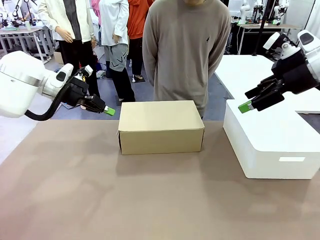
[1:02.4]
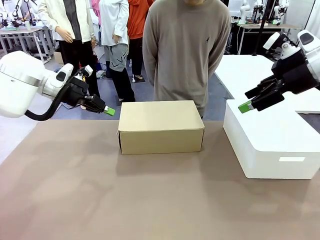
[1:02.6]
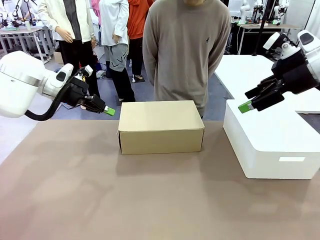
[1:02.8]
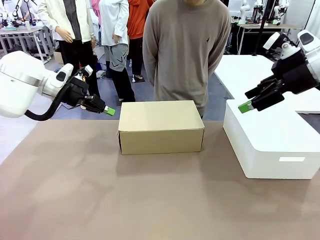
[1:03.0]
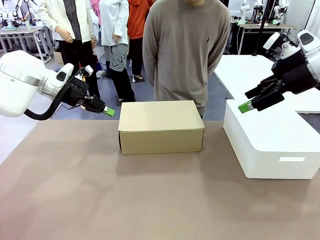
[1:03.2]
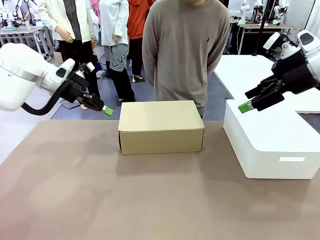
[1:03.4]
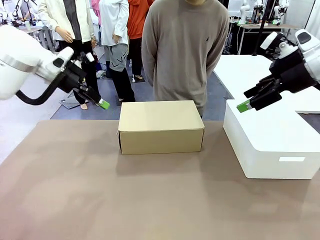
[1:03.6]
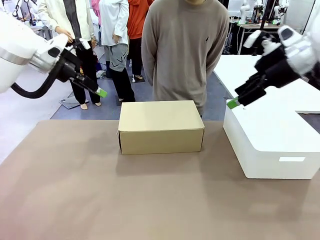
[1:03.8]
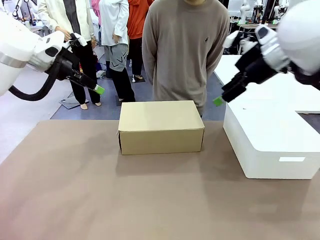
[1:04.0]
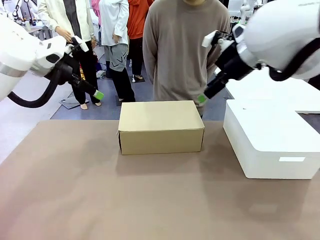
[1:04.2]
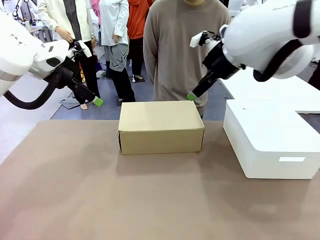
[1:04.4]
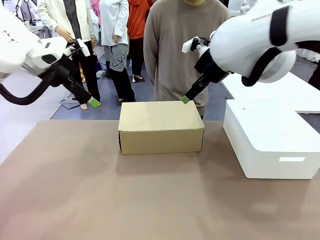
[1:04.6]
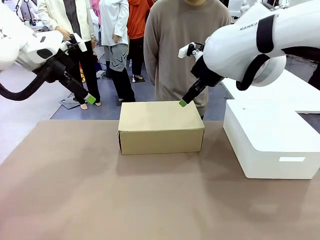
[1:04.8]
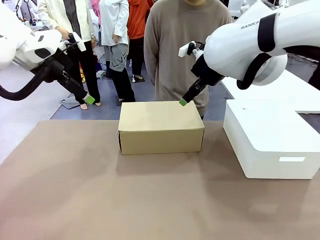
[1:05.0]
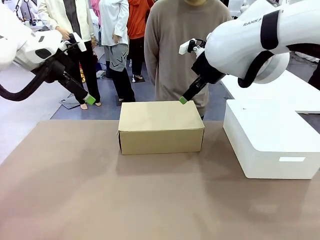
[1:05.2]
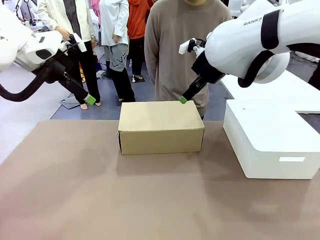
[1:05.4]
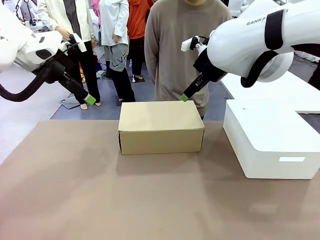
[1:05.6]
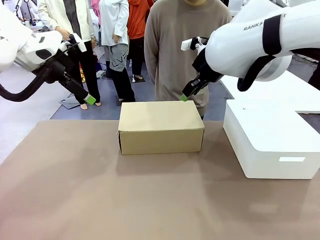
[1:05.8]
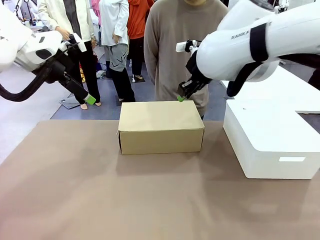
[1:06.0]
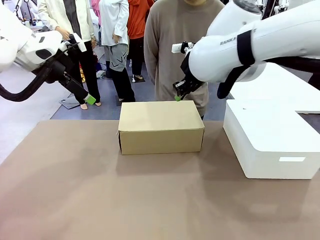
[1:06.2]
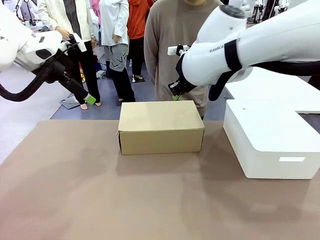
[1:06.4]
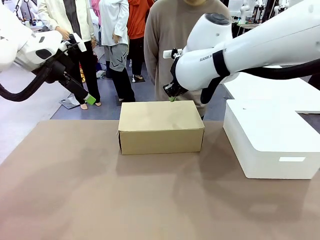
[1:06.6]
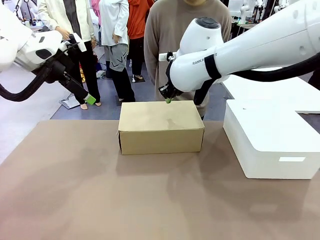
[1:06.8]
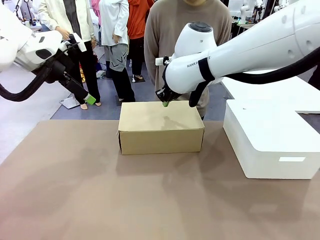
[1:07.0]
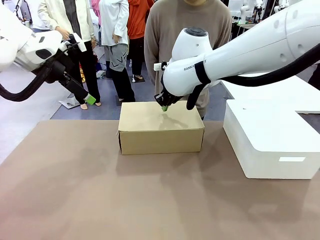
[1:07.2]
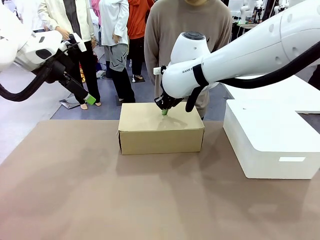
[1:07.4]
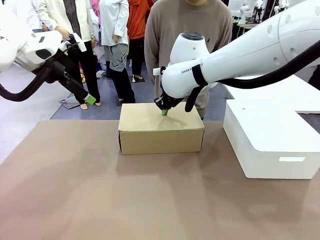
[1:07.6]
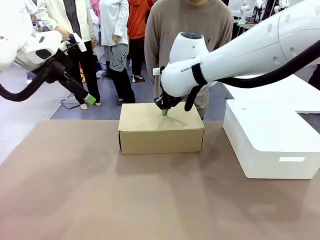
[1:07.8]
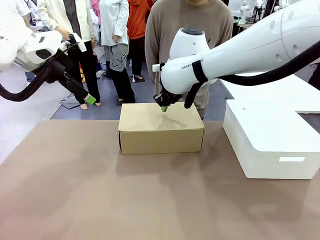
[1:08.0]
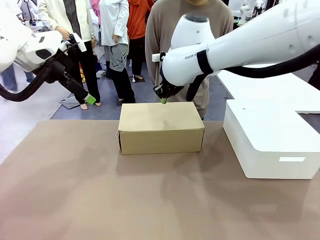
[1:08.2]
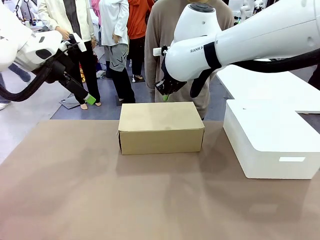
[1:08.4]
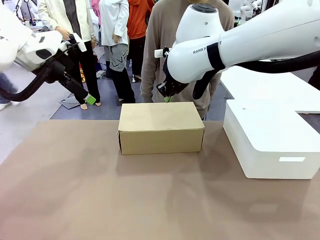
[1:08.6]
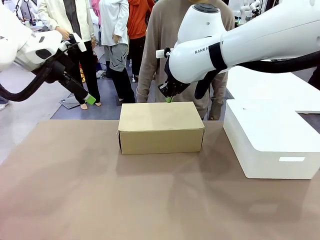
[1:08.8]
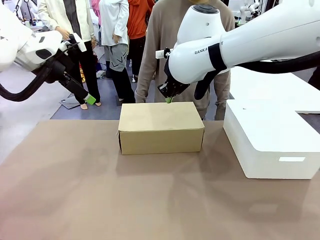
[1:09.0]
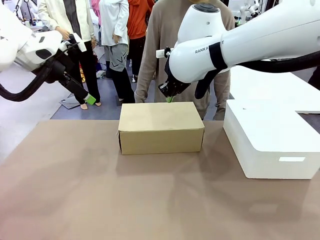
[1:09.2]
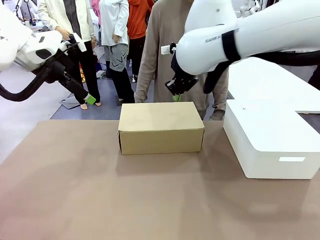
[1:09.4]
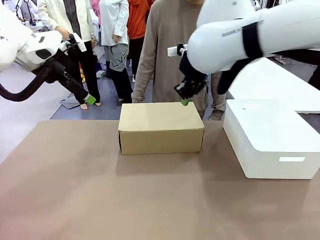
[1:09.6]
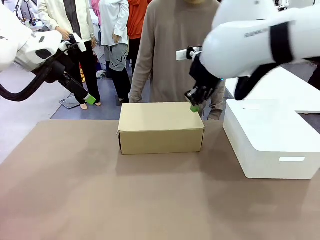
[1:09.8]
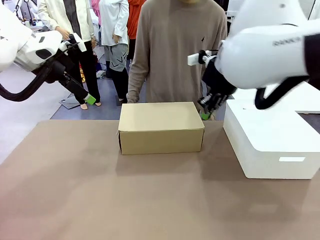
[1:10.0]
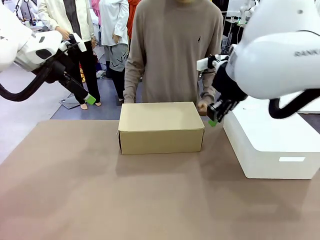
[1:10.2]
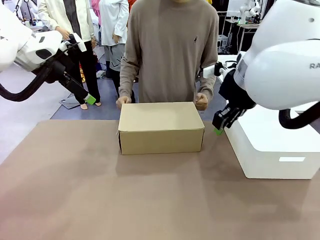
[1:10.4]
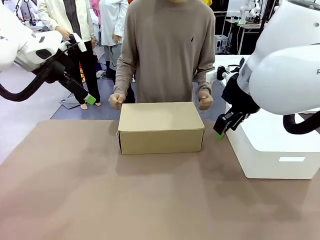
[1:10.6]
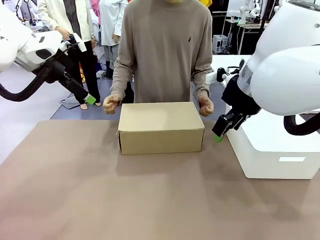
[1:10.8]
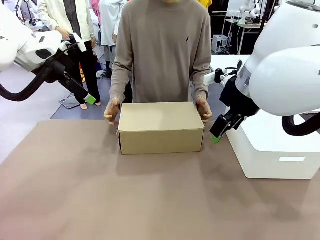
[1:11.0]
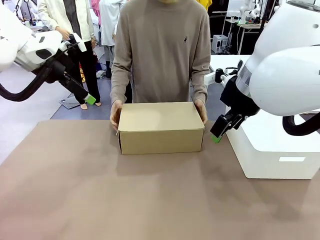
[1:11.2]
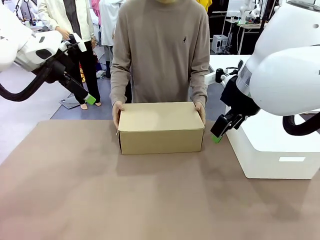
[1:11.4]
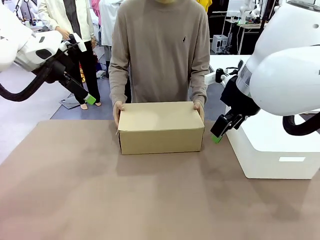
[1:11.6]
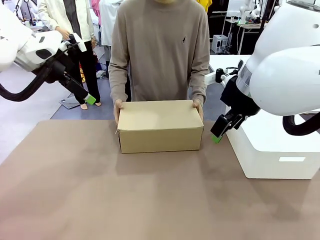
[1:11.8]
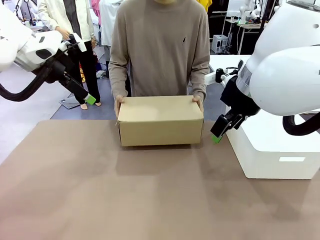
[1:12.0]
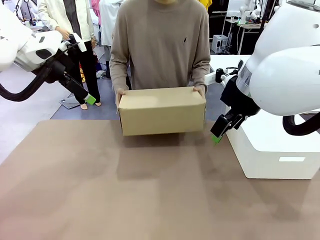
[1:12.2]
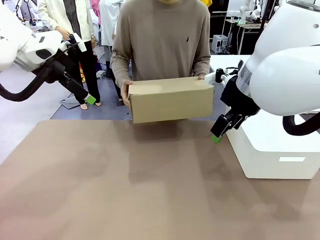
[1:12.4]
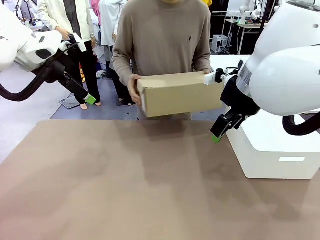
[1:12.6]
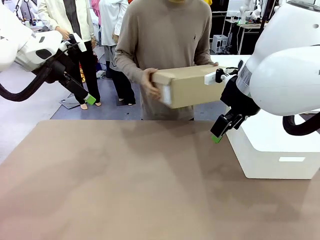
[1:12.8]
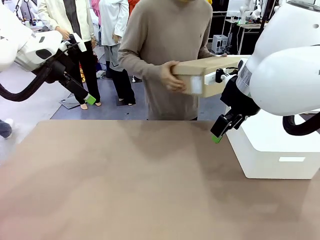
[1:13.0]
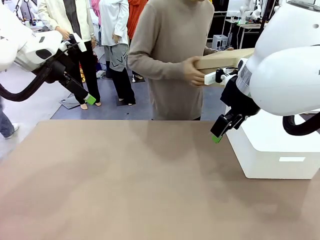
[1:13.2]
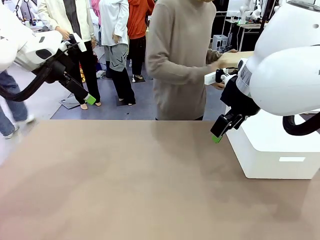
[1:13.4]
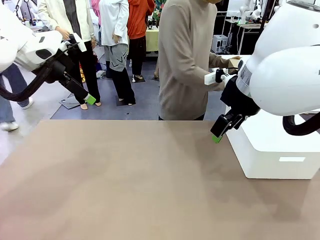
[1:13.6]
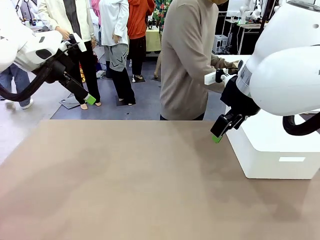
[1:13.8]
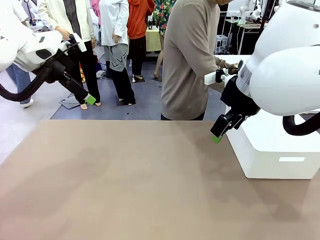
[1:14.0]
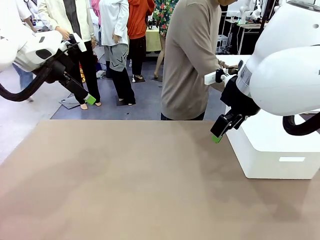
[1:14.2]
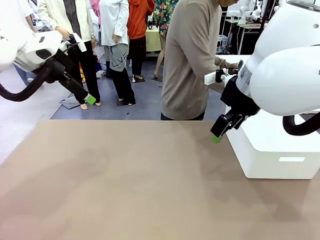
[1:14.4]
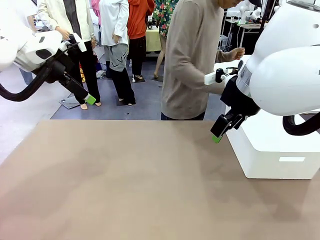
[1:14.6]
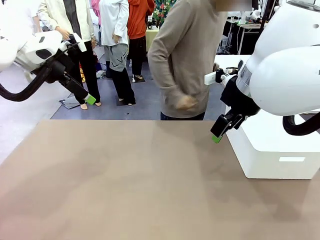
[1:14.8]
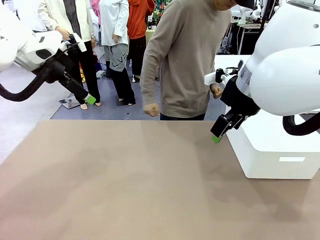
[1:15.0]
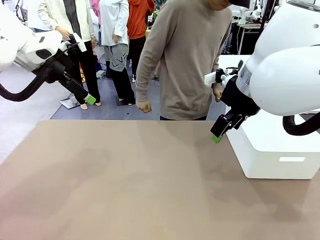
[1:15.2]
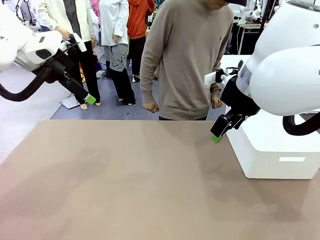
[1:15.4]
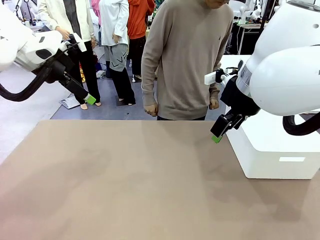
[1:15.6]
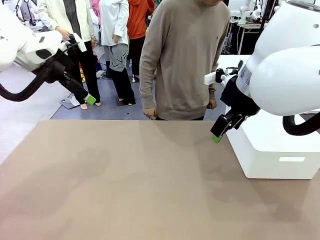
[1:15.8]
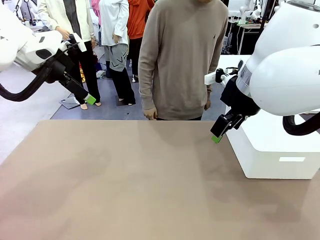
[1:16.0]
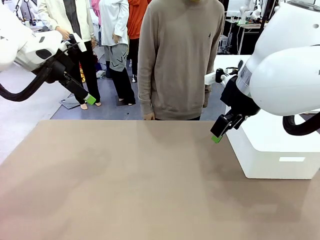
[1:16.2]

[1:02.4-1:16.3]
Task: Pack the shoes into the box.
Robot: Press down on the lid of the Shoes Box.
Person: Place the closed Shoes Box to the right side of the human table.
